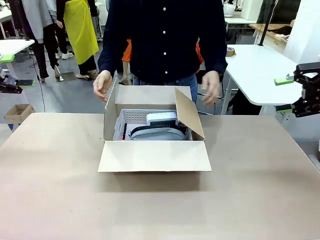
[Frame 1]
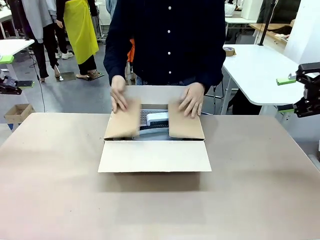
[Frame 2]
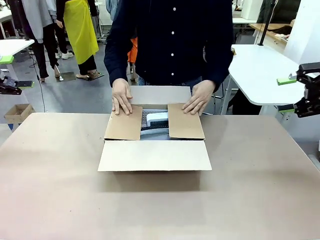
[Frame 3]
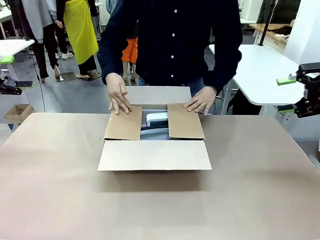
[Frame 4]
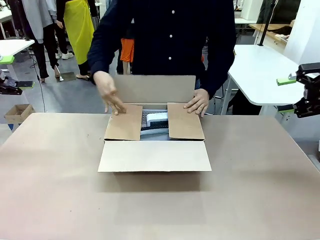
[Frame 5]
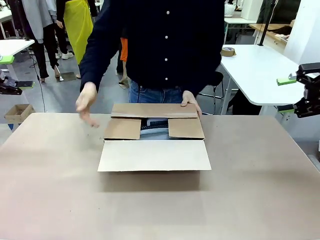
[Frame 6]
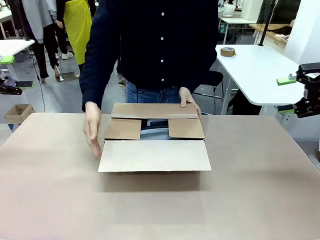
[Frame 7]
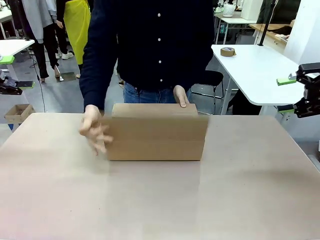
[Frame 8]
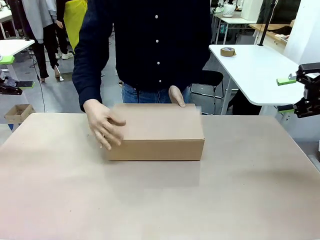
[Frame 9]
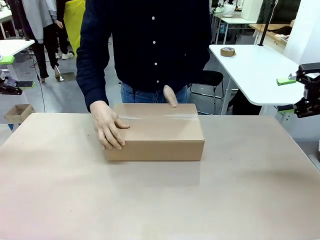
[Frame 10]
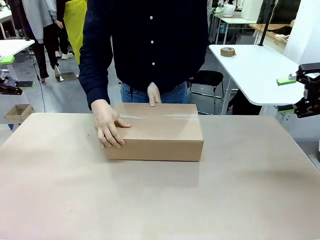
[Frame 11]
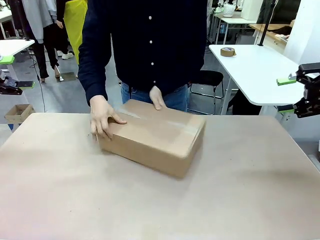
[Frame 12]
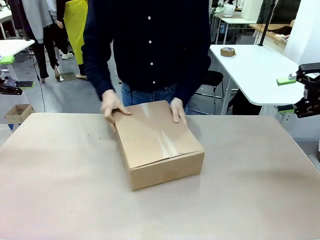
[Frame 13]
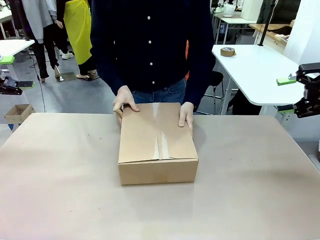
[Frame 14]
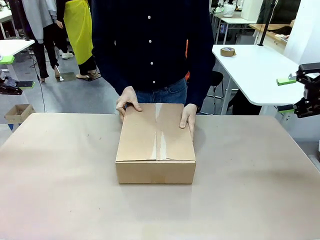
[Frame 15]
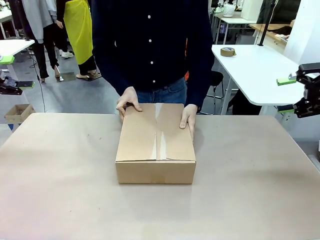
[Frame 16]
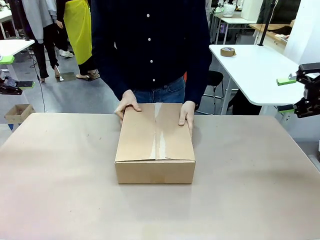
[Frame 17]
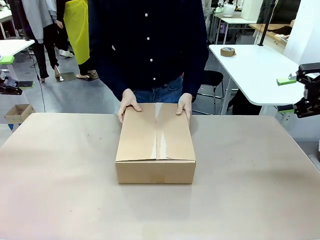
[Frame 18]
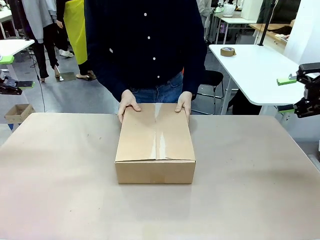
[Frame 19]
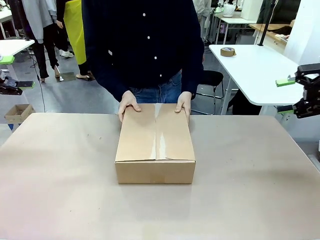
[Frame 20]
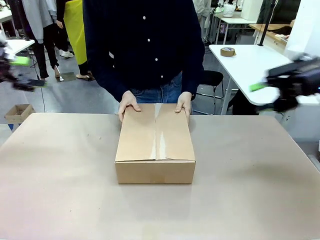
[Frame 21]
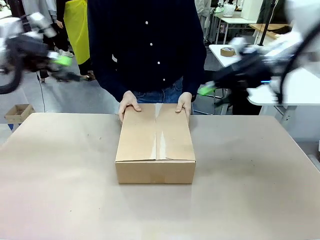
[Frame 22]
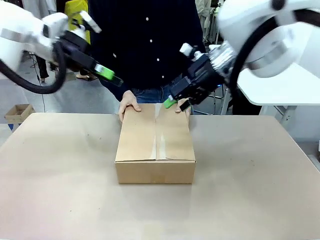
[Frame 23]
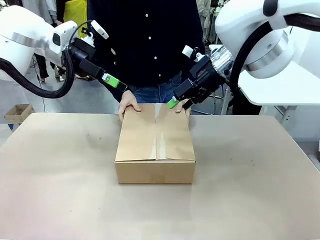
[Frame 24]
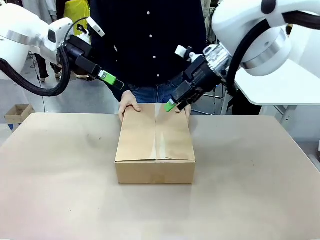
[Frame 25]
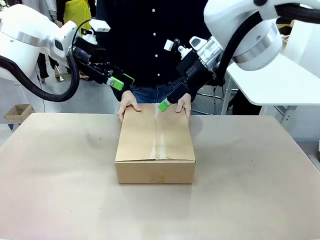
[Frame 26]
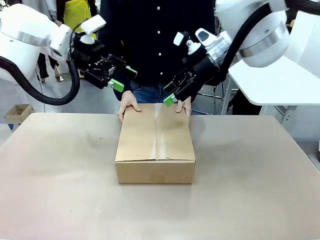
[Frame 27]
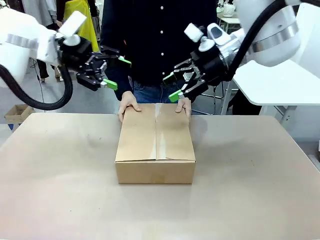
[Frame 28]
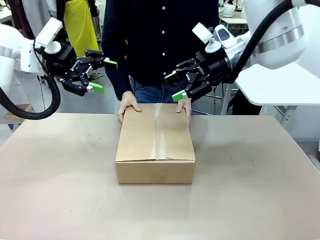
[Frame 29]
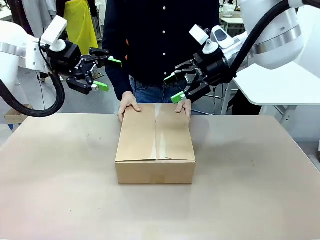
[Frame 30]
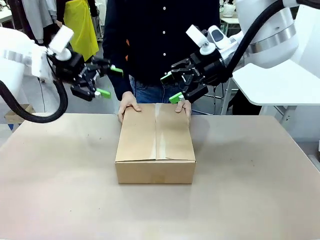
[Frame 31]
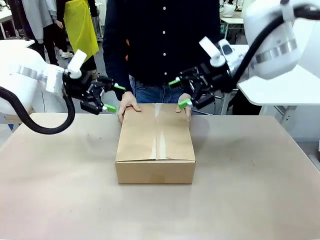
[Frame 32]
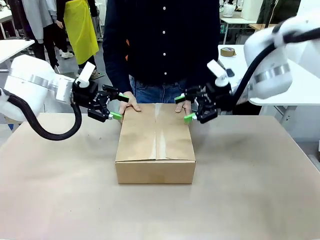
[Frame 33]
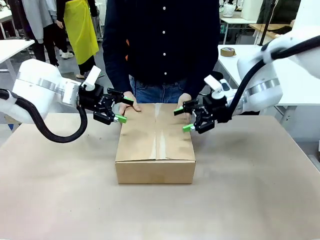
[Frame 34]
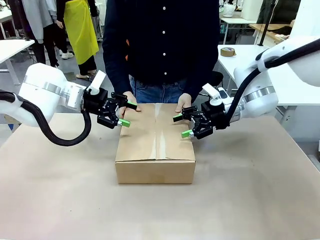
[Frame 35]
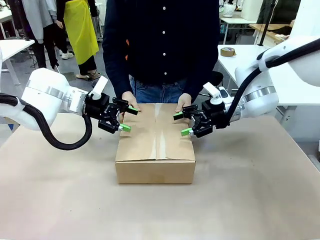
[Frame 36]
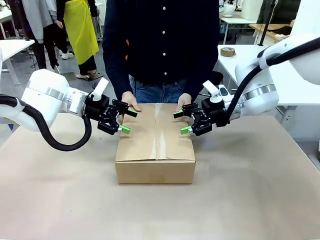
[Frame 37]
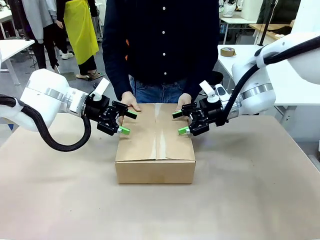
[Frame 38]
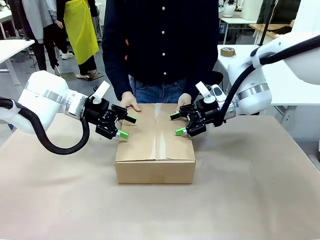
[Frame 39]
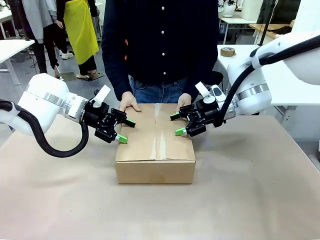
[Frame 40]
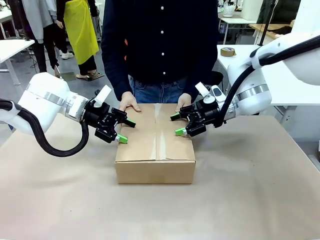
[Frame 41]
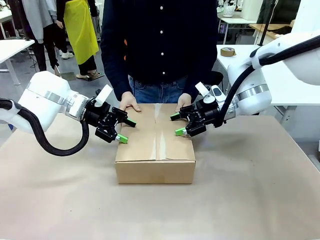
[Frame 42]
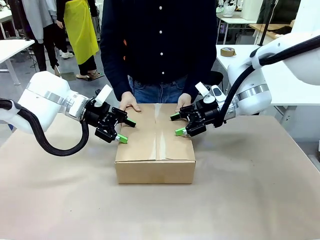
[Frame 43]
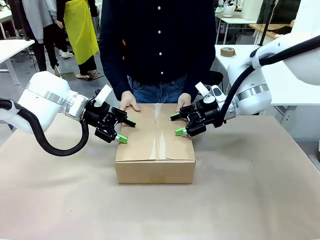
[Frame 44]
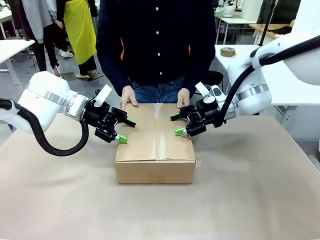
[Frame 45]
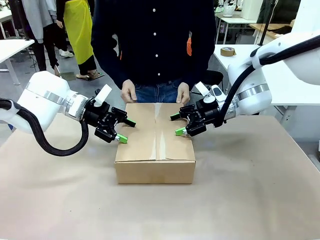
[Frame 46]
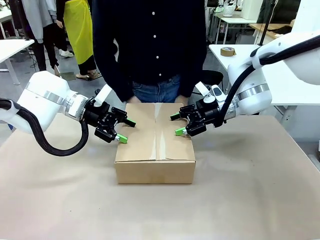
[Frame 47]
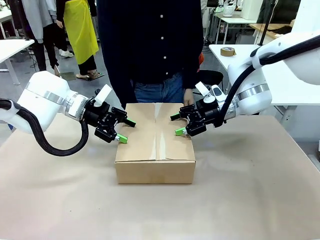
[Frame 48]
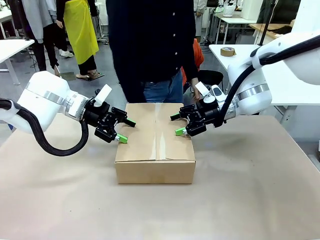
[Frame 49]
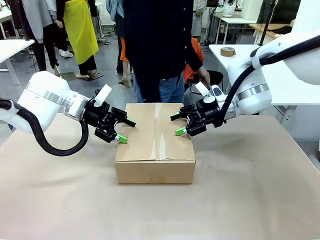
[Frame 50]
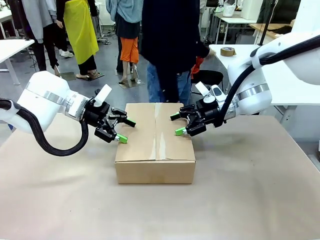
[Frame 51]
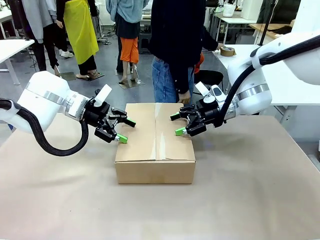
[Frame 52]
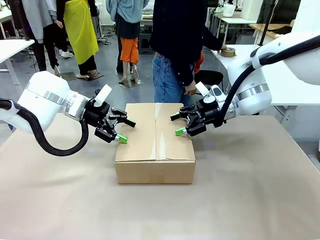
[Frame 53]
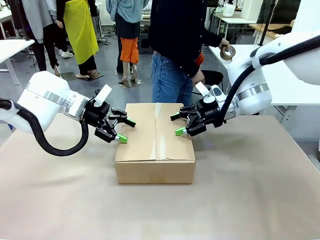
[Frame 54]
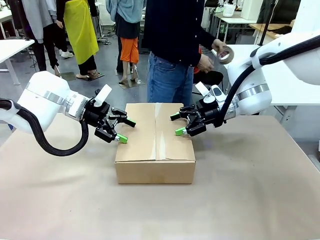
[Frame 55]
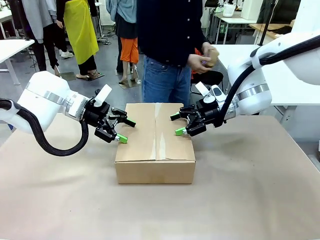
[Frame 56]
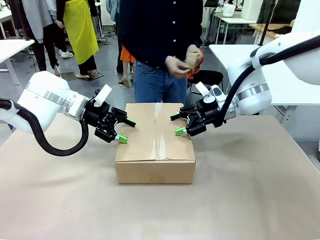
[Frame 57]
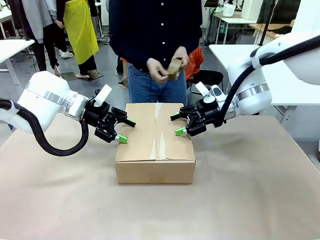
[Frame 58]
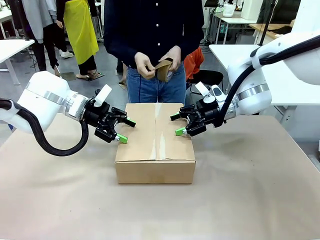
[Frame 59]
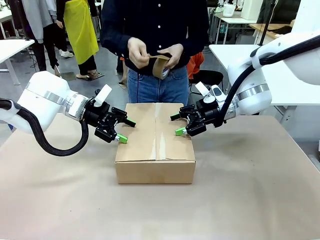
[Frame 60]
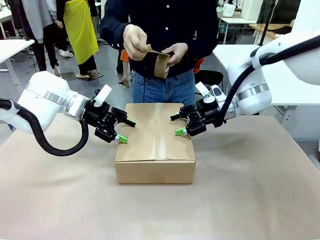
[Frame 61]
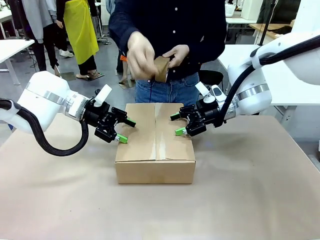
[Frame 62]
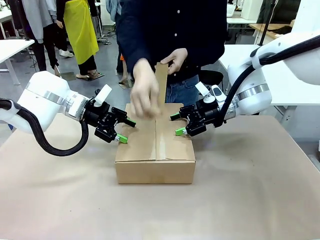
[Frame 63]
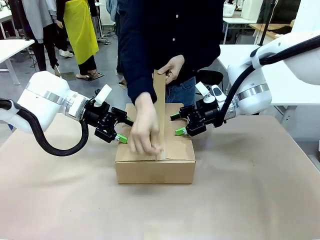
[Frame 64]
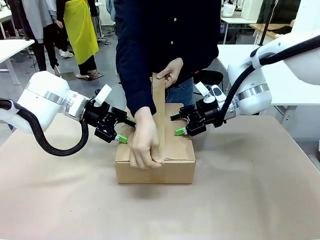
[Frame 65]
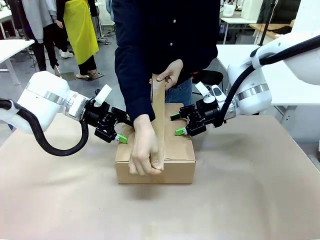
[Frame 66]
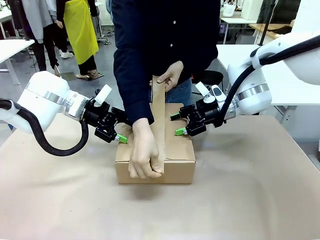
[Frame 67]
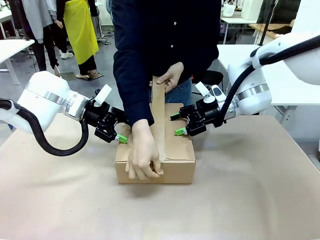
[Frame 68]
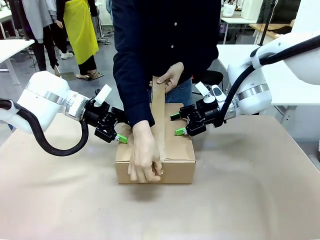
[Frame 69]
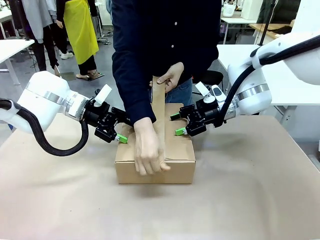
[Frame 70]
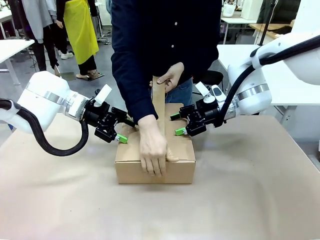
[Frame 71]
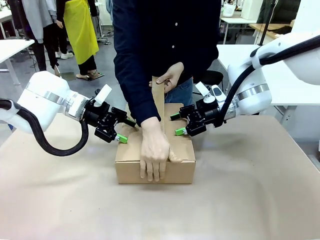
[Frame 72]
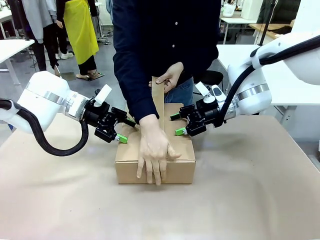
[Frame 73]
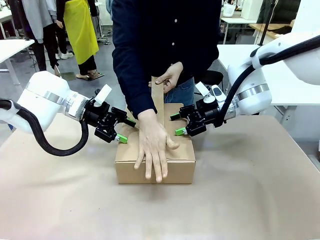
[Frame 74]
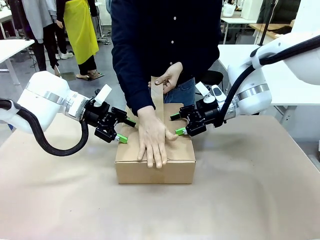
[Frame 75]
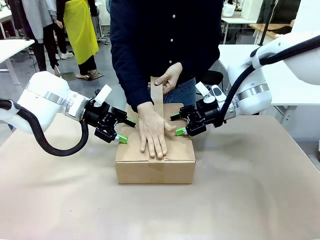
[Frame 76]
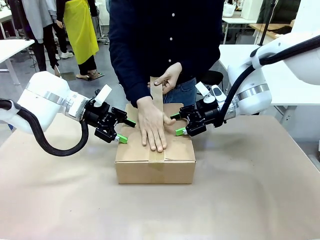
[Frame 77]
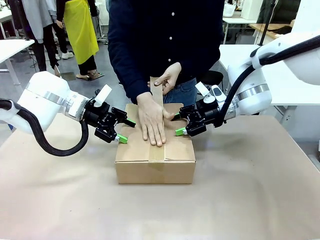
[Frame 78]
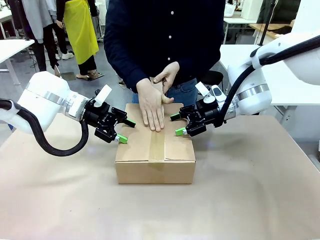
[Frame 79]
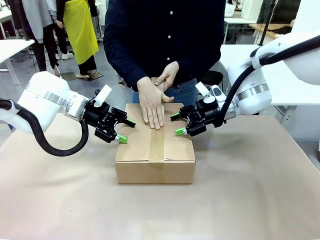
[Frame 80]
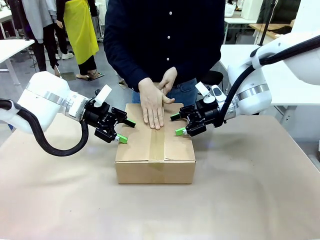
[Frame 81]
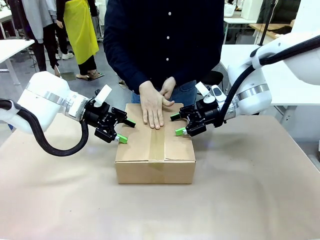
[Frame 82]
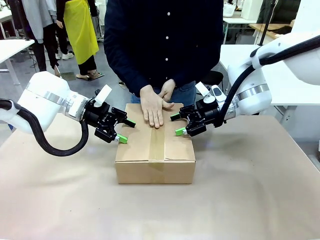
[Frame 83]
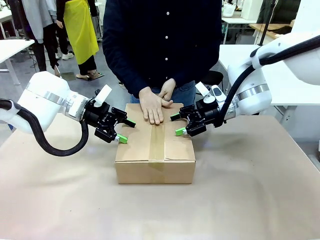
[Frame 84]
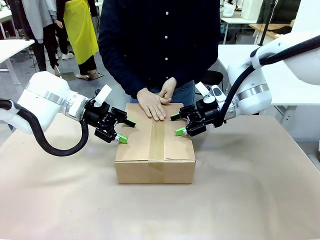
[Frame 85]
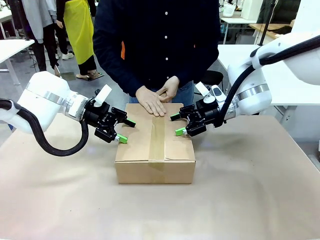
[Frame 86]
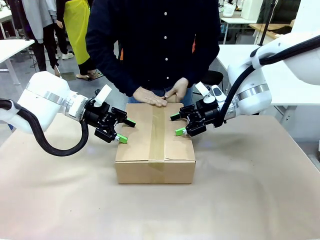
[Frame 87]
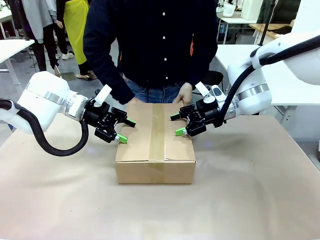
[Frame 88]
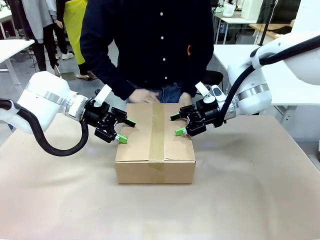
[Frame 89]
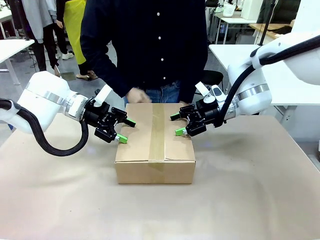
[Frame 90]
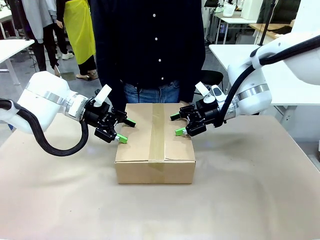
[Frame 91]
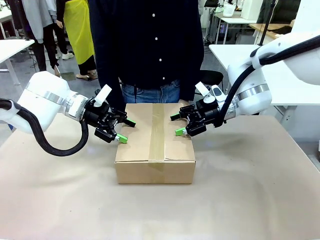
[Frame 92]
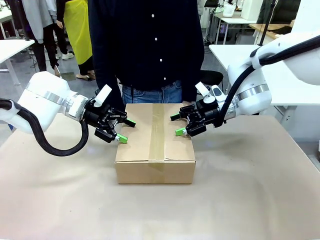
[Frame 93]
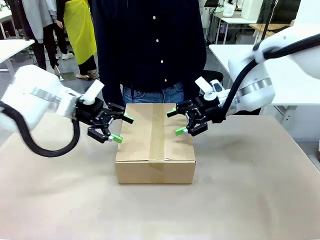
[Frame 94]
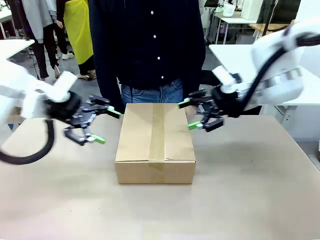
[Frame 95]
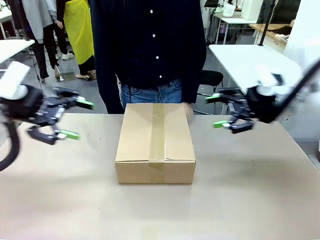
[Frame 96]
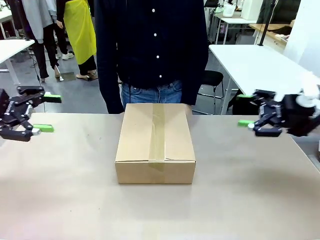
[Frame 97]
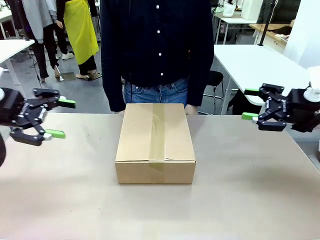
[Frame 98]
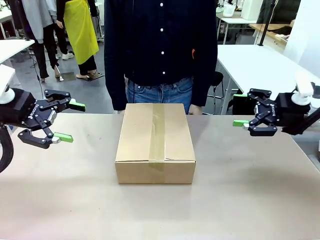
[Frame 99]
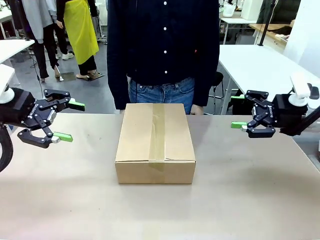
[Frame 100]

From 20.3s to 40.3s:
Task: Pack the gift set into the box.
Robot: Press and hold the closed box until the human finishes sealing it.
Person: The human closes the box and rotates the box by 90 degrees. The human picks up the paper tape from the human table and packs the box.
